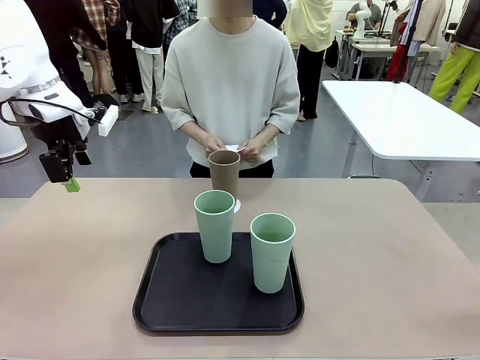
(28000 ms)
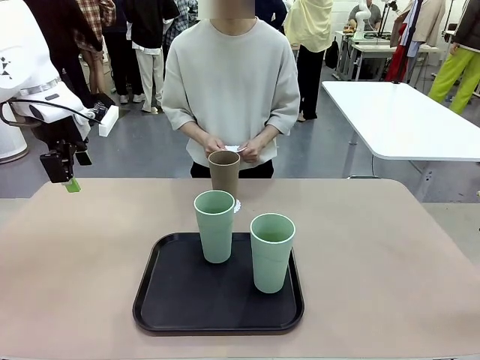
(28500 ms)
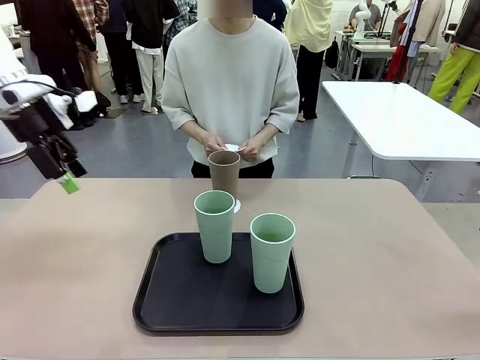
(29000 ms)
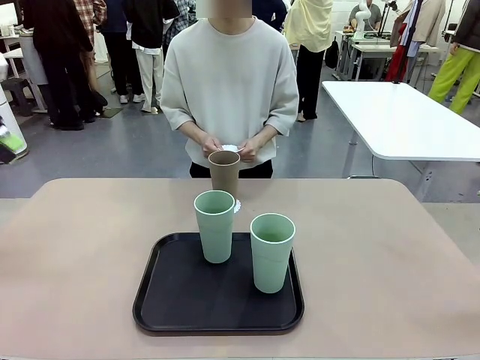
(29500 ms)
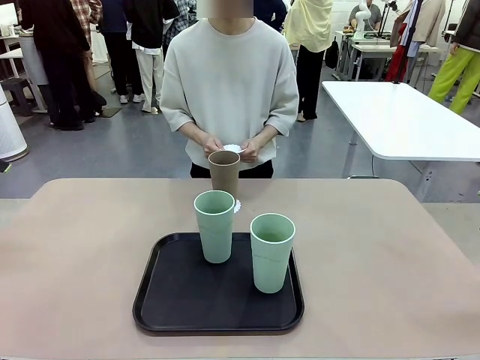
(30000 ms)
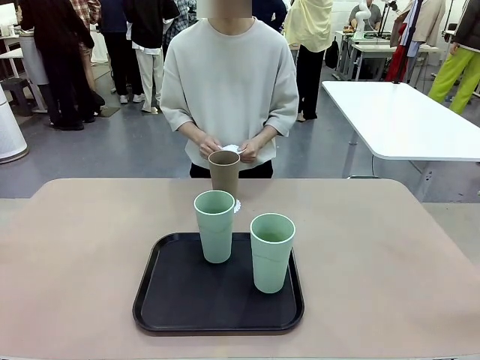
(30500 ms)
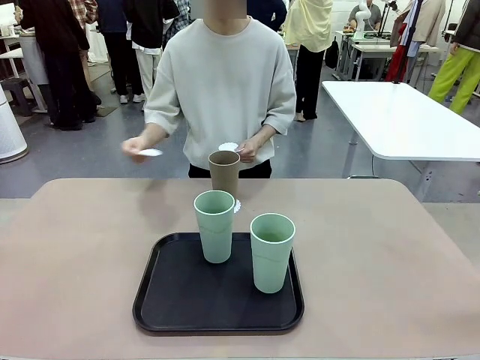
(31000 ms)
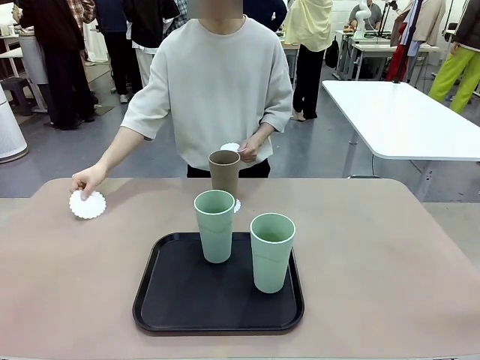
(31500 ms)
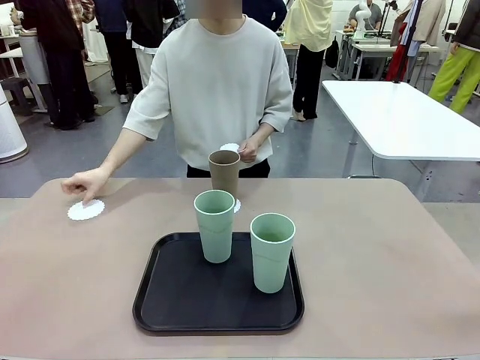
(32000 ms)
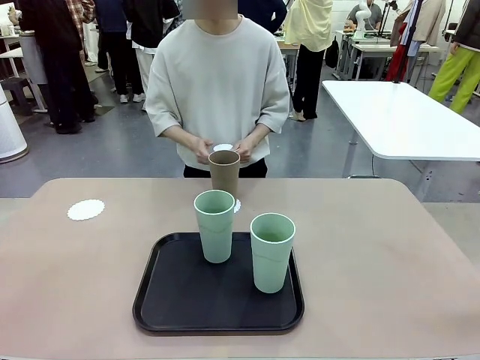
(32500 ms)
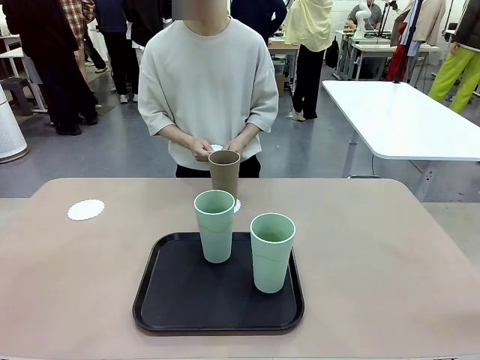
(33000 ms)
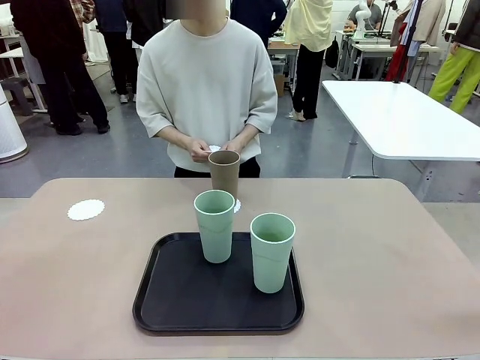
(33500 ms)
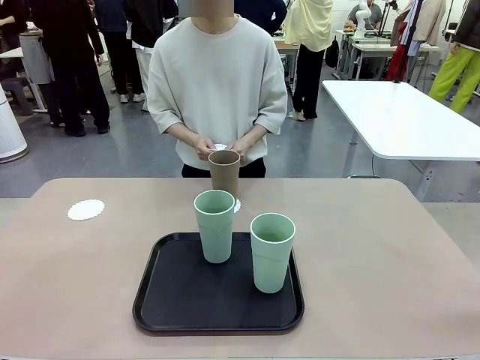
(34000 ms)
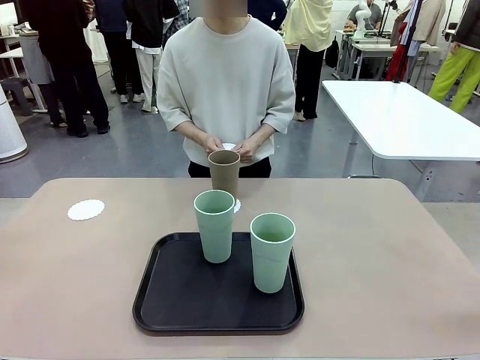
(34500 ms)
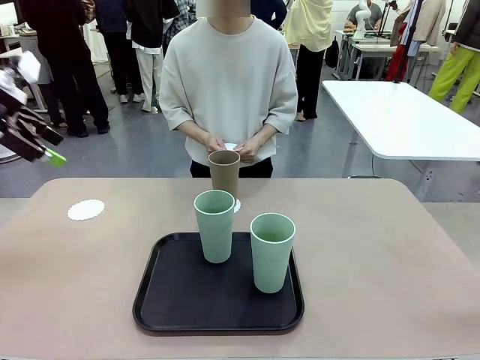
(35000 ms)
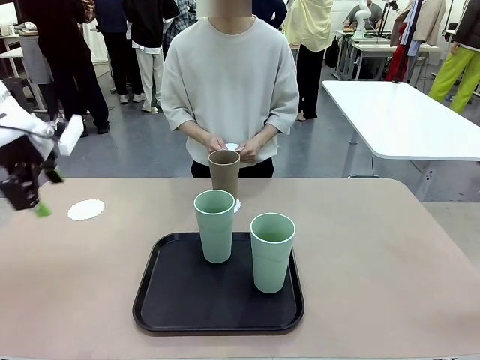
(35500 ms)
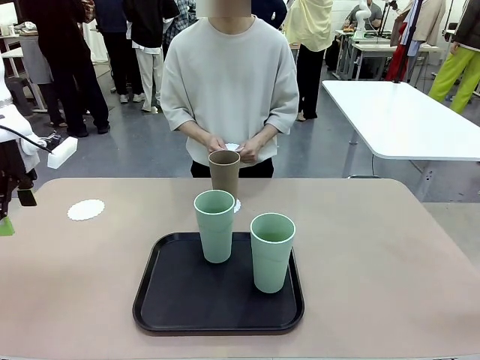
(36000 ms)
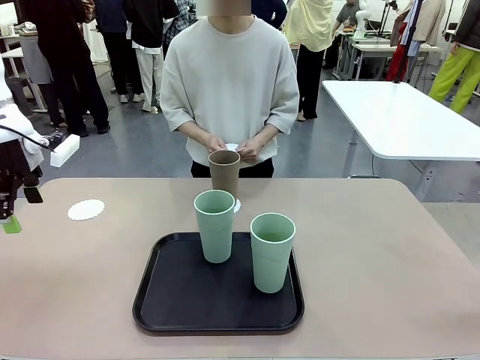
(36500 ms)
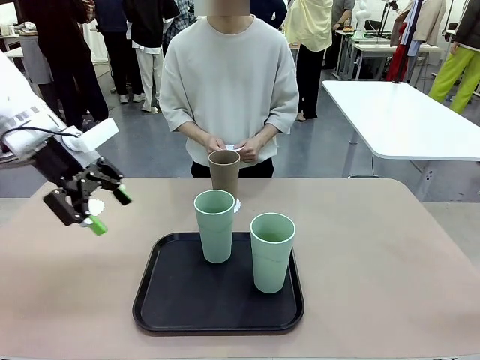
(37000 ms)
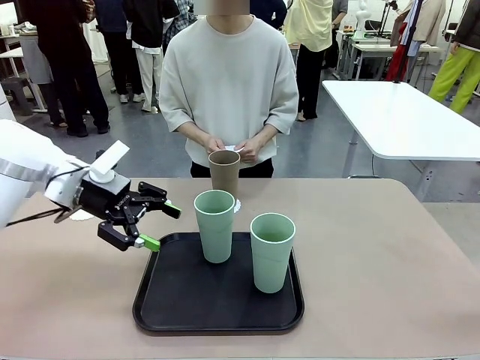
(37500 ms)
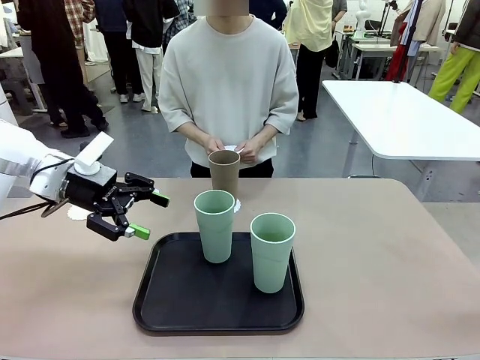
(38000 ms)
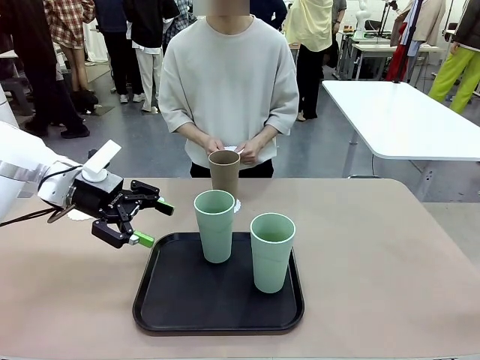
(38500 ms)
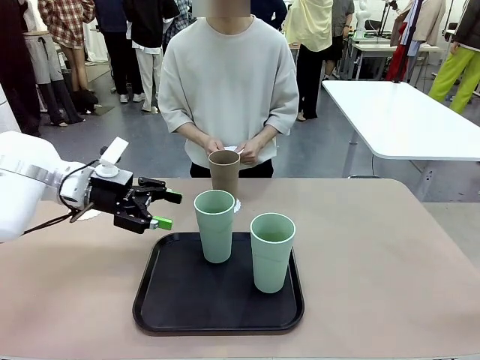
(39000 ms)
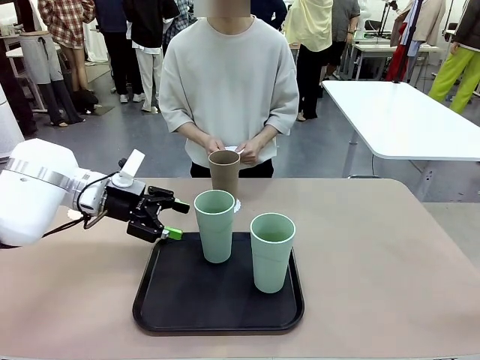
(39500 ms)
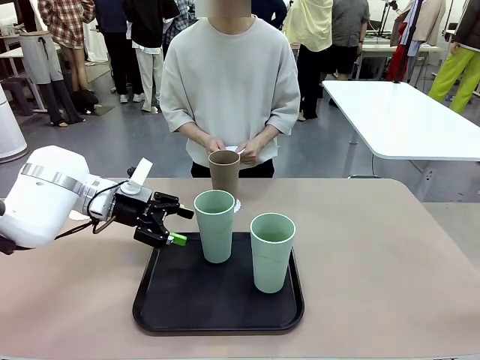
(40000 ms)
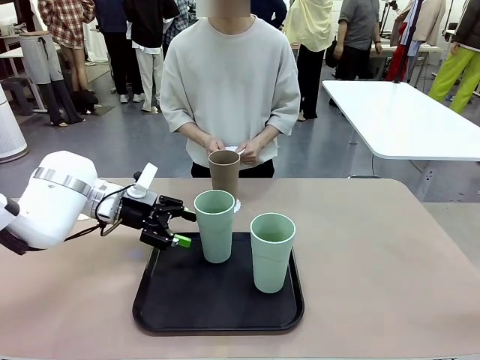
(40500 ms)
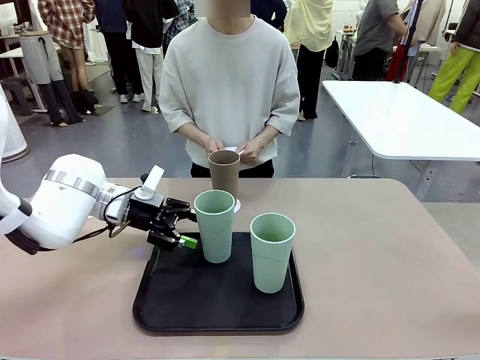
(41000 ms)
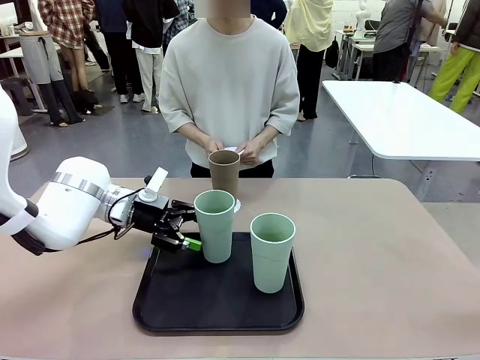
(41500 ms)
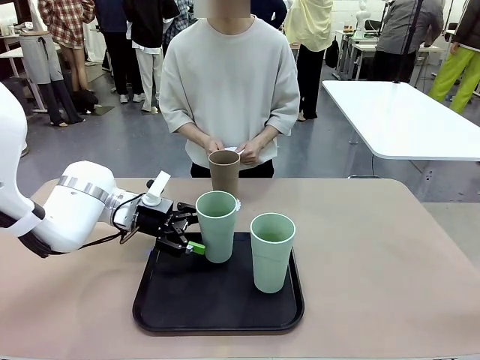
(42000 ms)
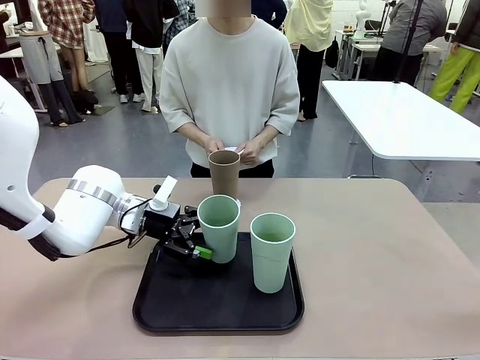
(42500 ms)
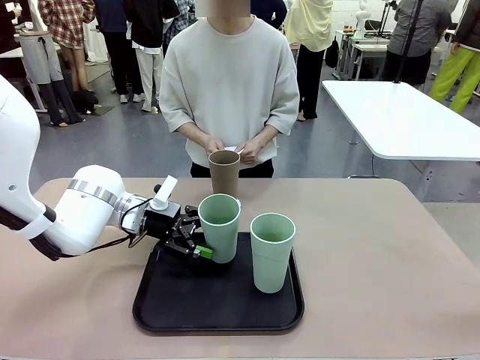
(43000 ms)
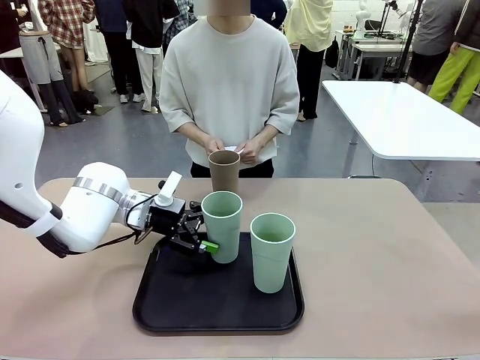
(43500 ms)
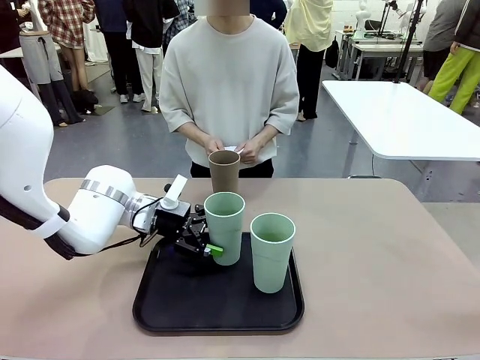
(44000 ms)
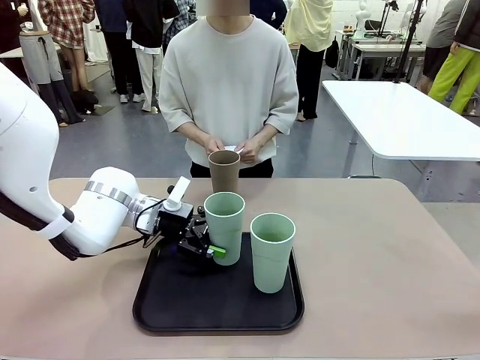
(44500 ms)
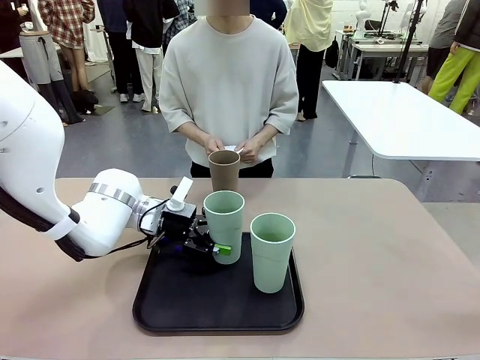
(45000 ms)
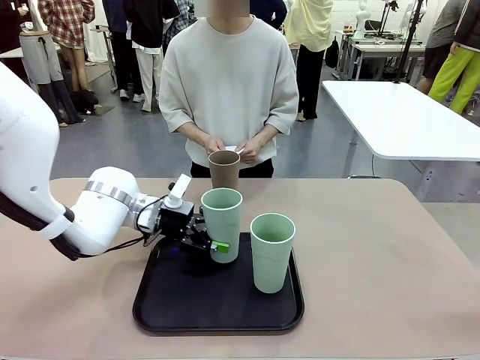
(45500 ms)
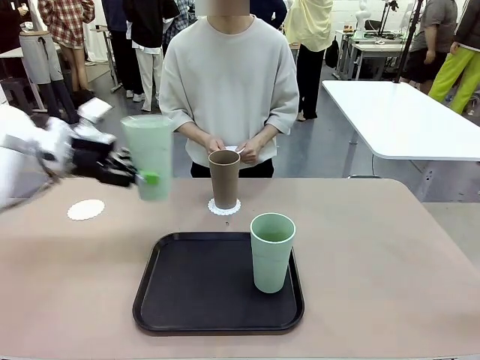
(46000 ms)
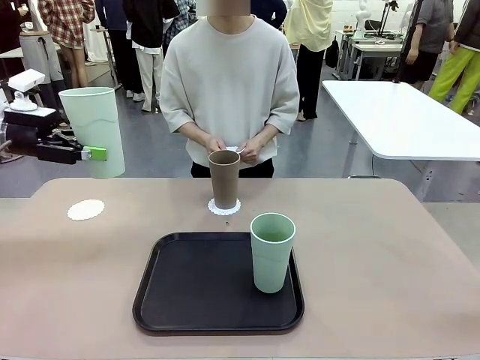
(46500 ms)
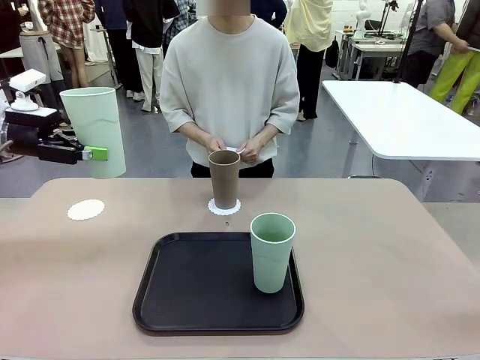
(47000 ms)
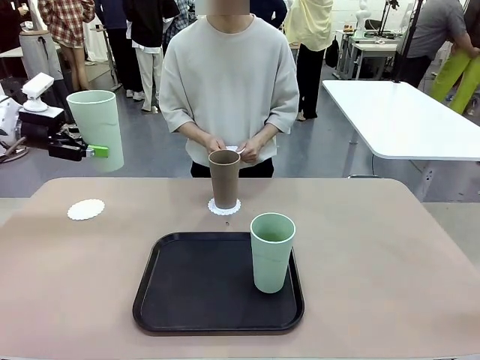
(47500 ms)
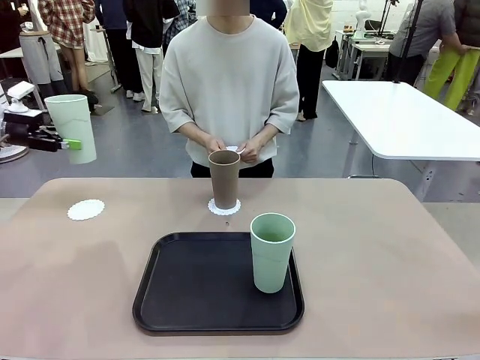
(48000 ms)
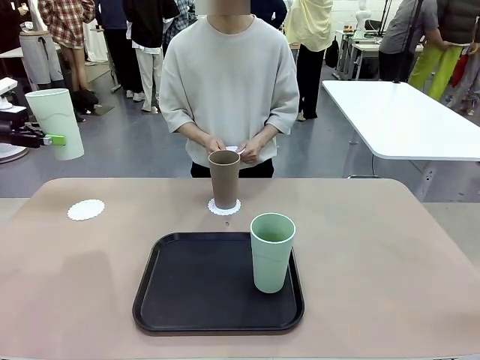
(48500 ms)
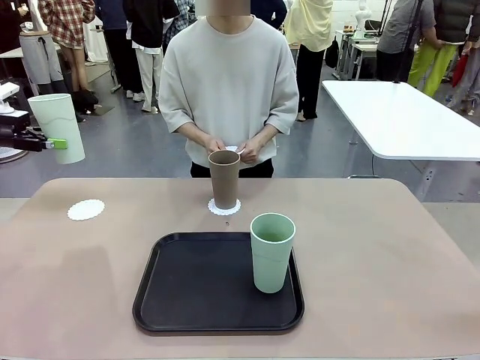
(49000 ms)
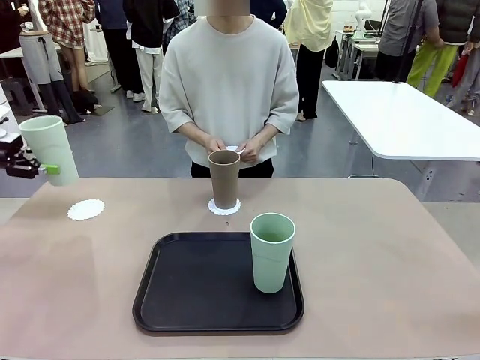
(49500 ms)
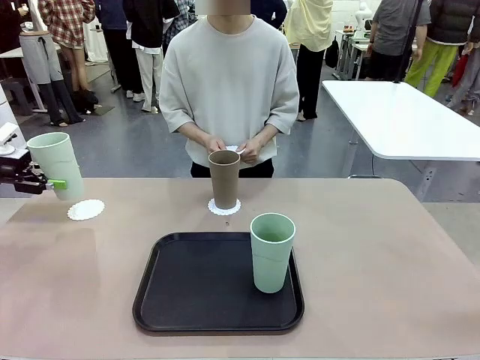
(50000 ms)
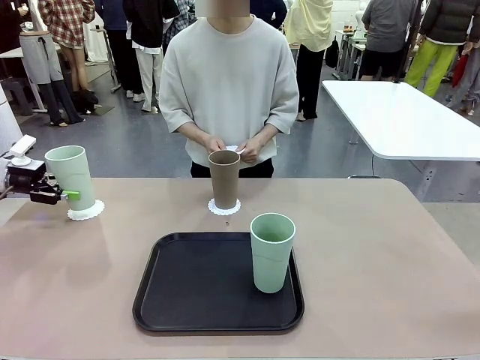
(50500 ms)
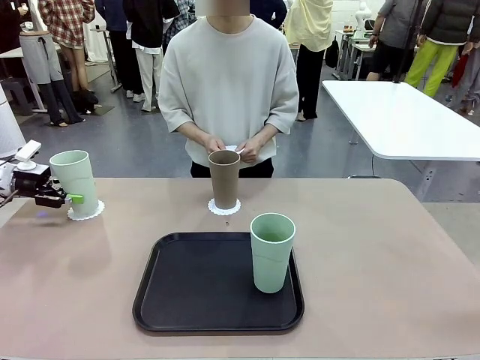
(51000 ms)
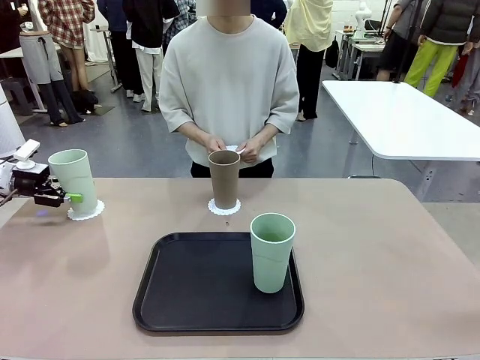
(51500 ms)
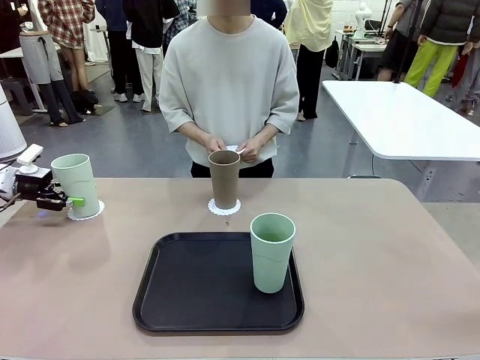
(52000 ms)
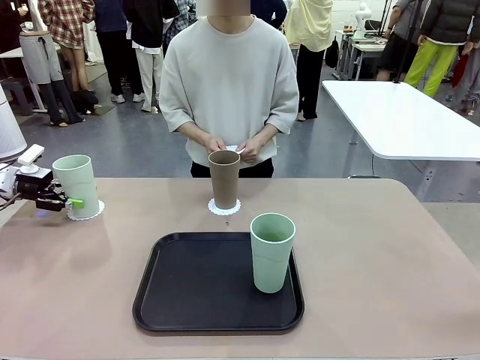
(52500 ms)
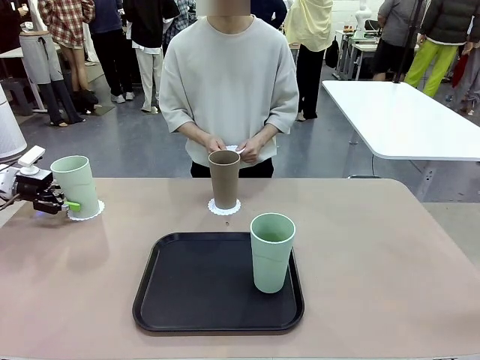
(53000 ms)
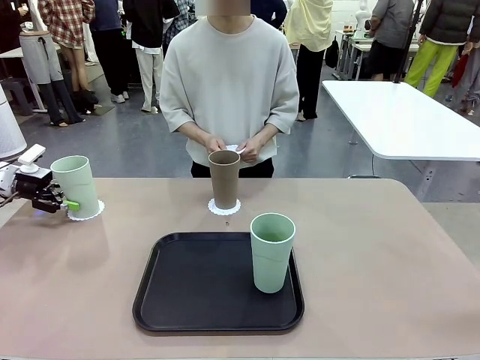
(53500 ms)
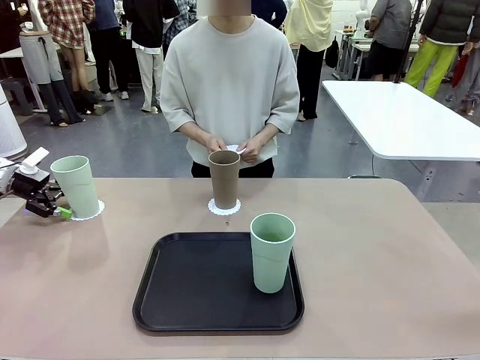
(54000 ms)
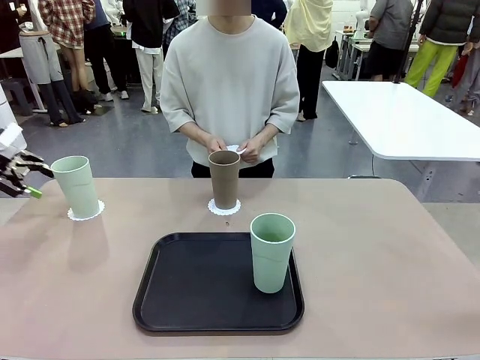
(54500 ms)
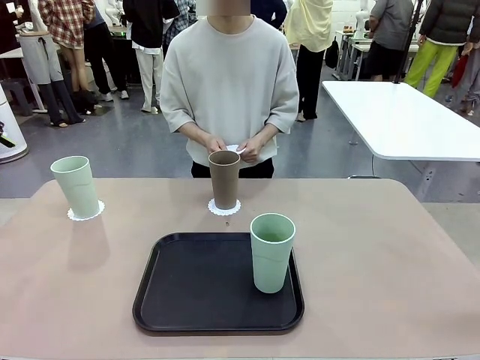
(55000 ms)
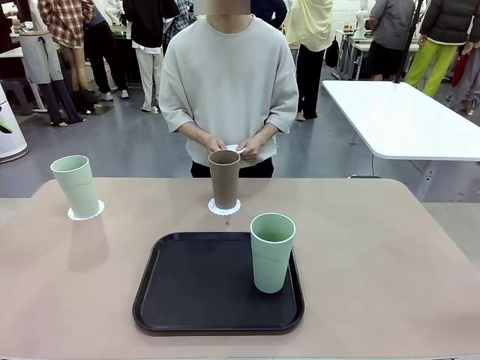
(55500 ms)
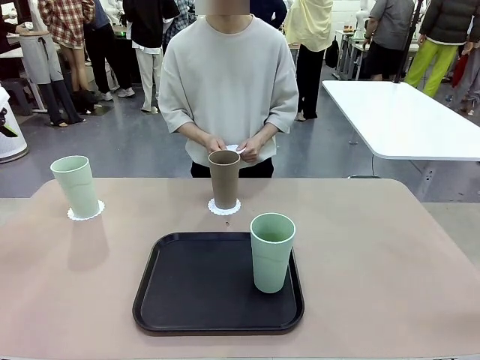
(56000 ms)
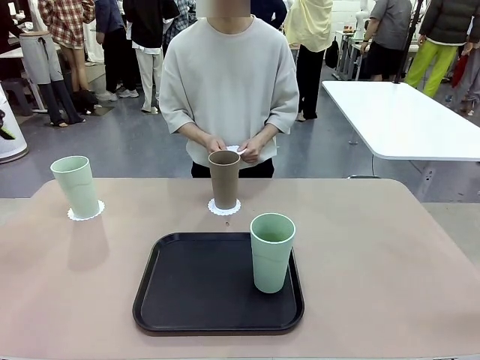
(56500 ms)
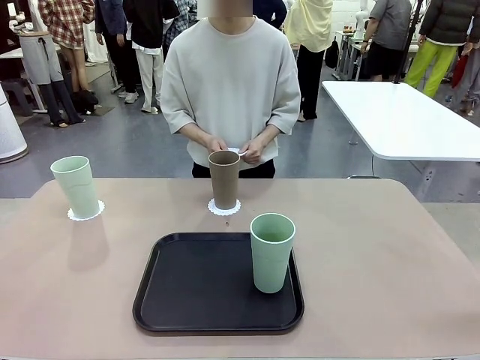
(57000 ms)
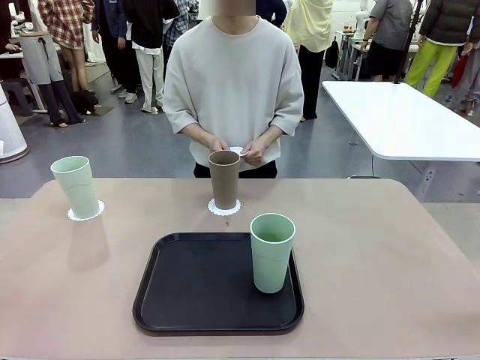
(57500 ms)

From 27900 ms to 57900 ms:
Task: Place coasters on the table and set cups on them.
Robot: Take one Reusable plastic cup from the Flat Tray and place it on a coaster set by the human.
